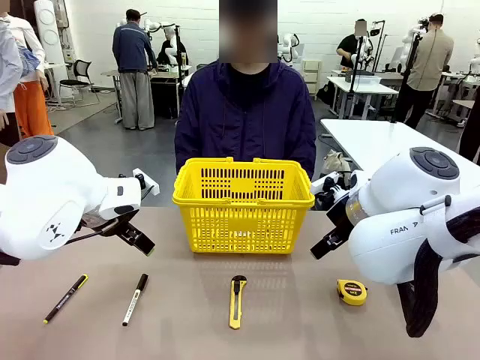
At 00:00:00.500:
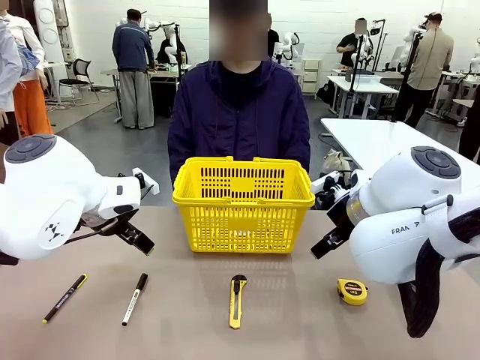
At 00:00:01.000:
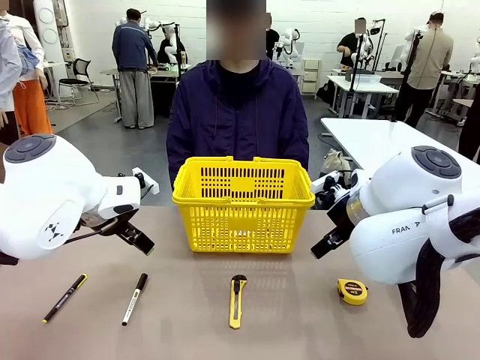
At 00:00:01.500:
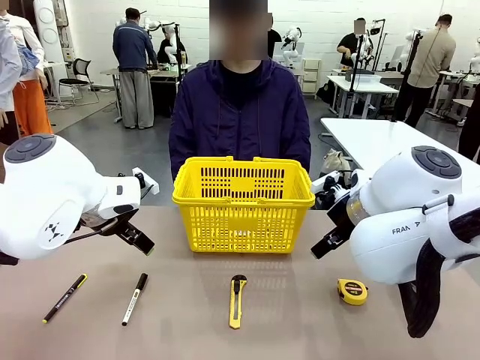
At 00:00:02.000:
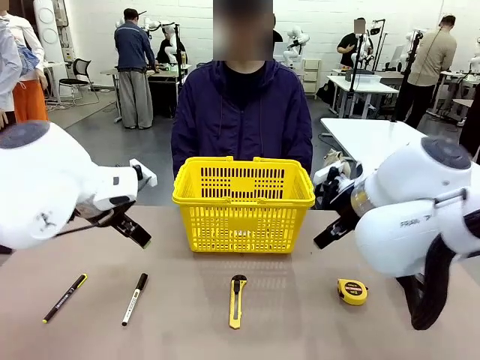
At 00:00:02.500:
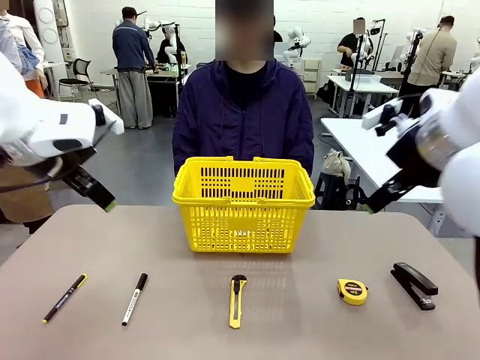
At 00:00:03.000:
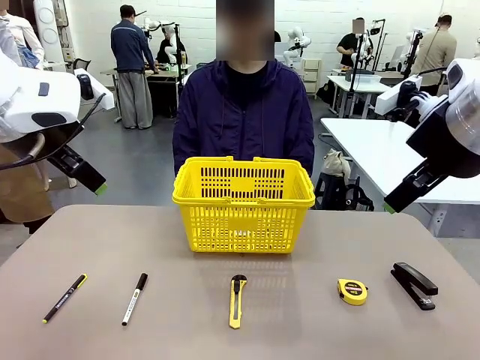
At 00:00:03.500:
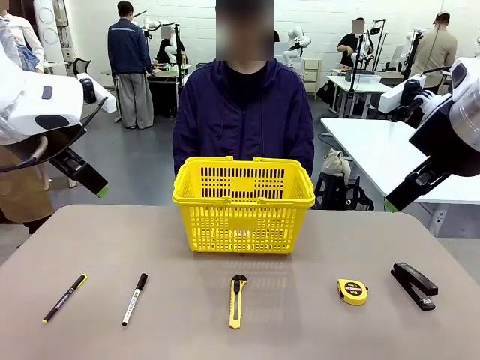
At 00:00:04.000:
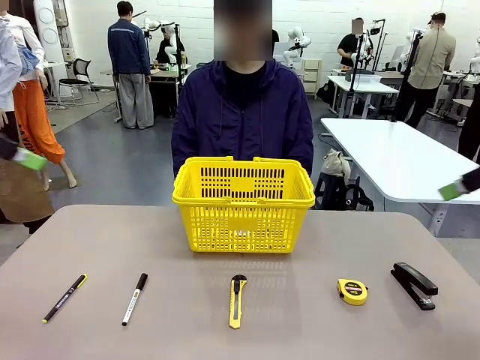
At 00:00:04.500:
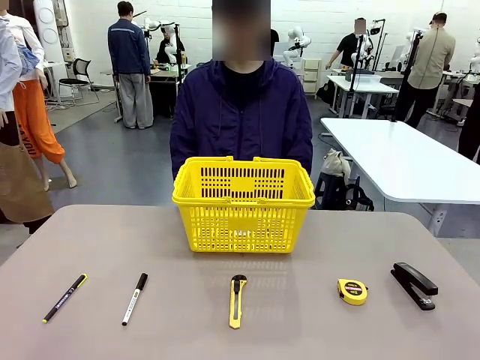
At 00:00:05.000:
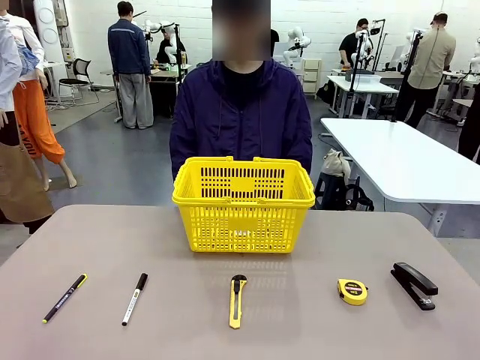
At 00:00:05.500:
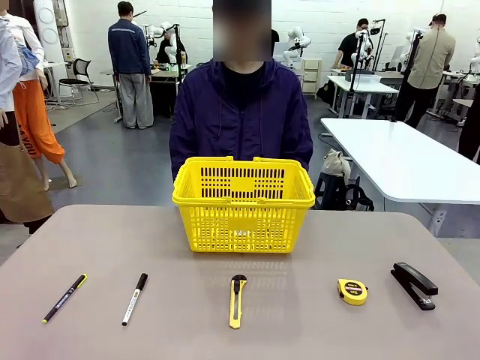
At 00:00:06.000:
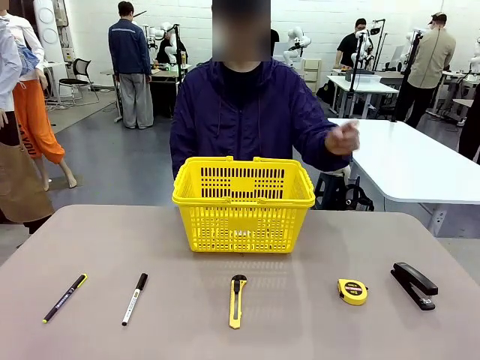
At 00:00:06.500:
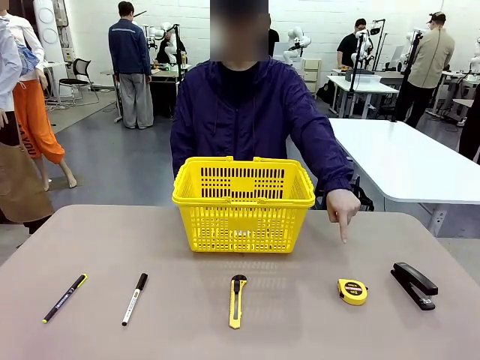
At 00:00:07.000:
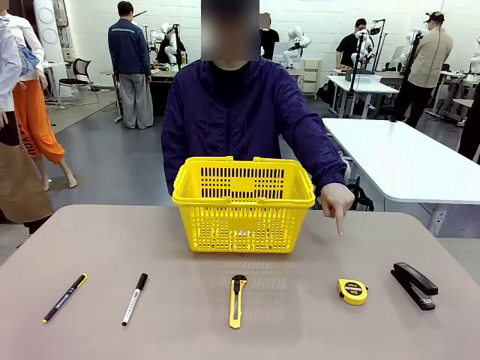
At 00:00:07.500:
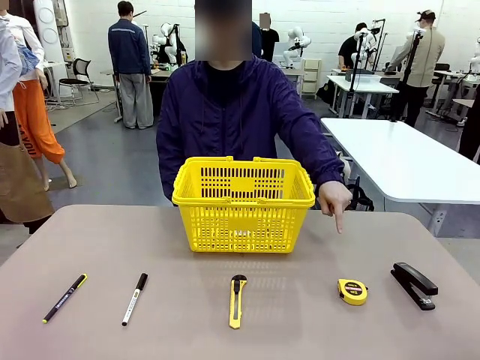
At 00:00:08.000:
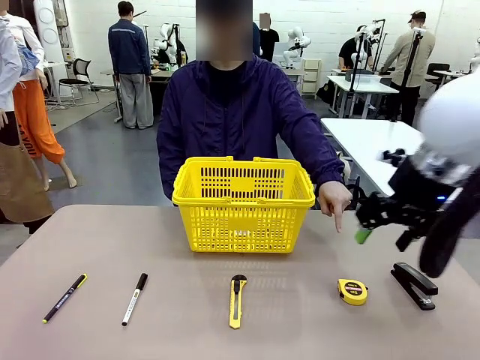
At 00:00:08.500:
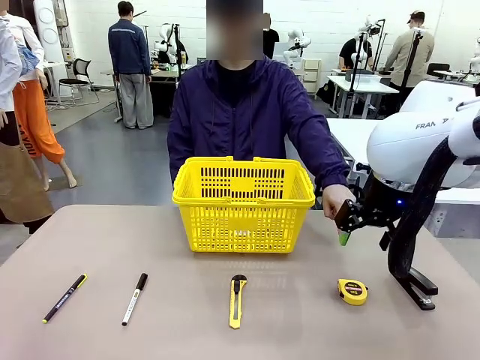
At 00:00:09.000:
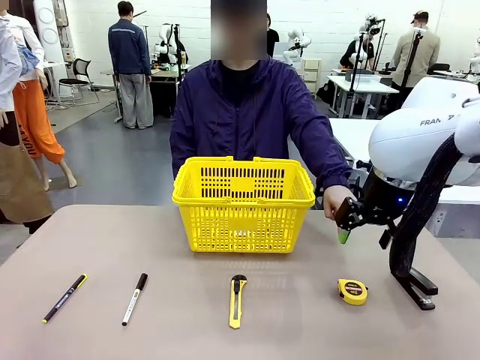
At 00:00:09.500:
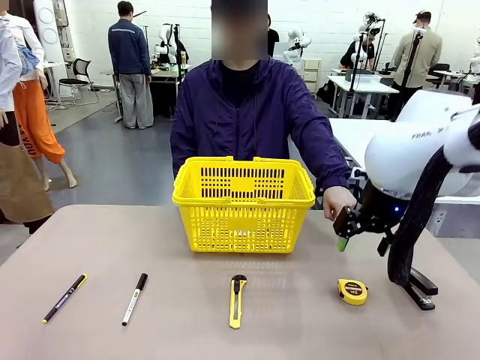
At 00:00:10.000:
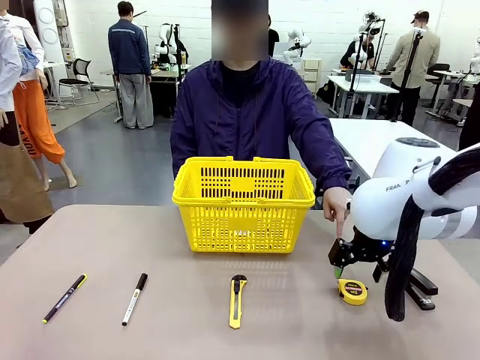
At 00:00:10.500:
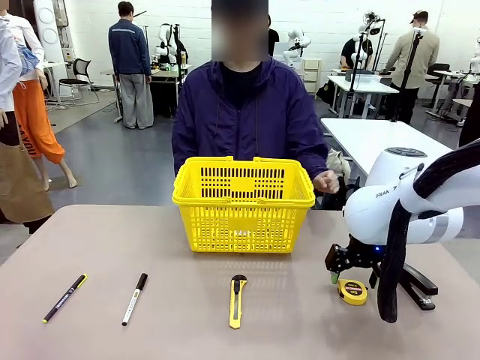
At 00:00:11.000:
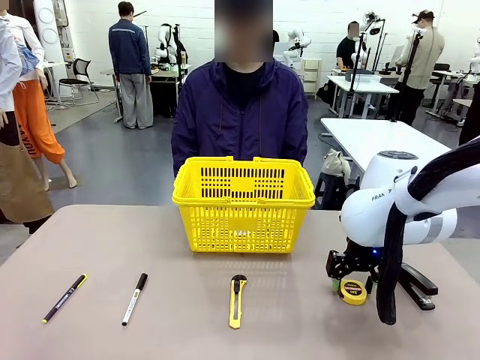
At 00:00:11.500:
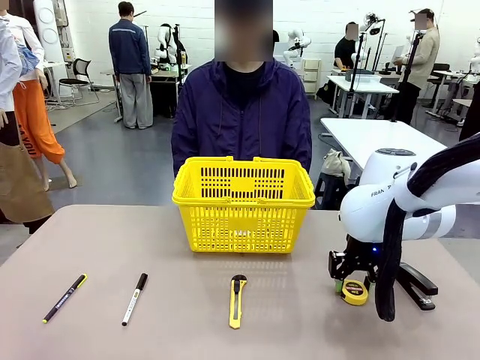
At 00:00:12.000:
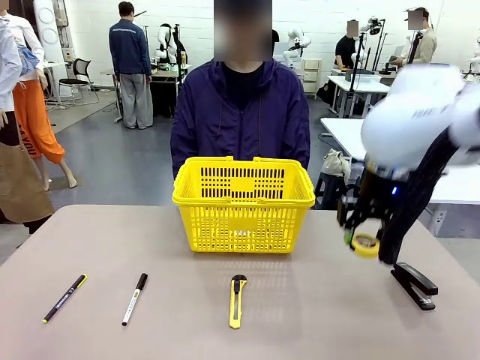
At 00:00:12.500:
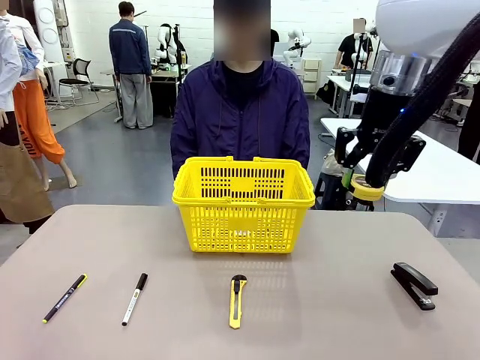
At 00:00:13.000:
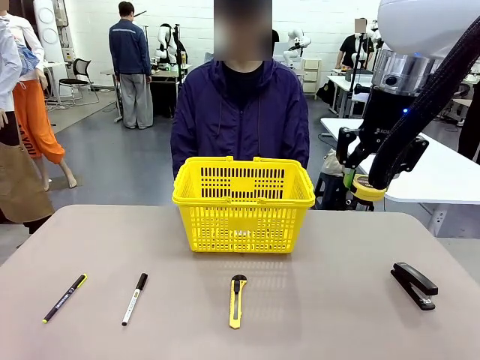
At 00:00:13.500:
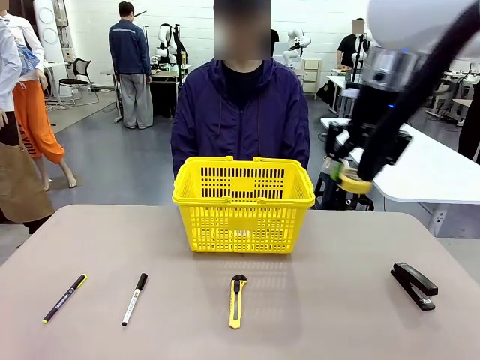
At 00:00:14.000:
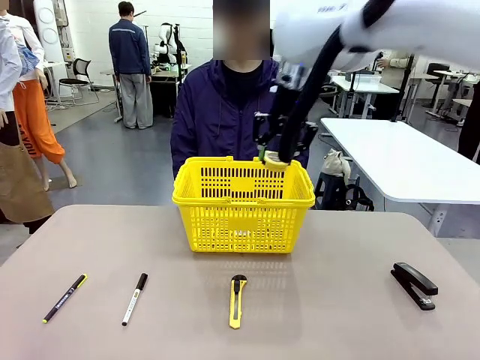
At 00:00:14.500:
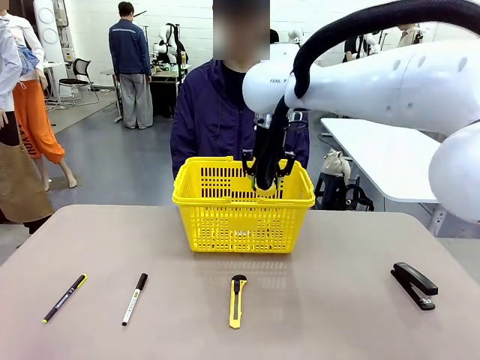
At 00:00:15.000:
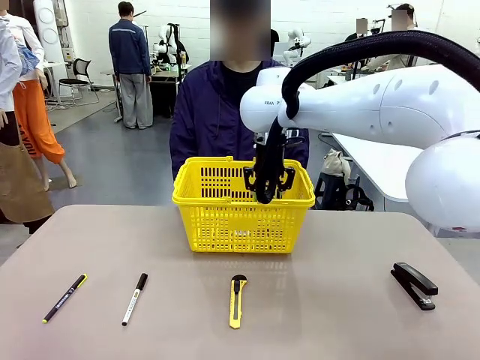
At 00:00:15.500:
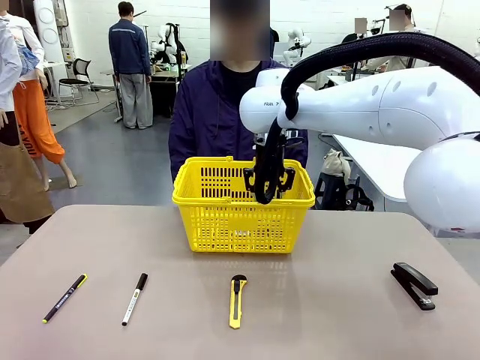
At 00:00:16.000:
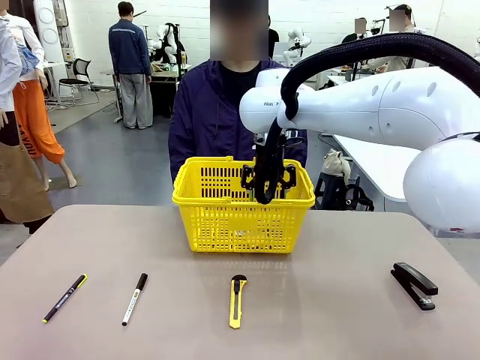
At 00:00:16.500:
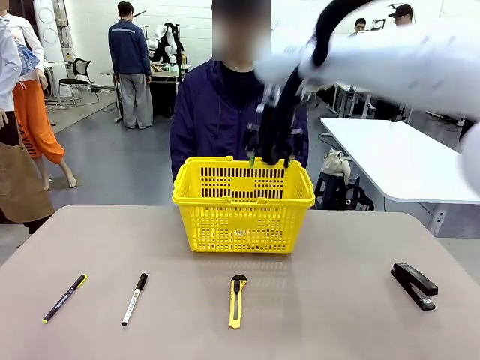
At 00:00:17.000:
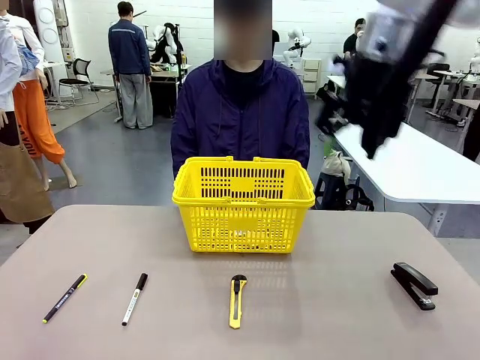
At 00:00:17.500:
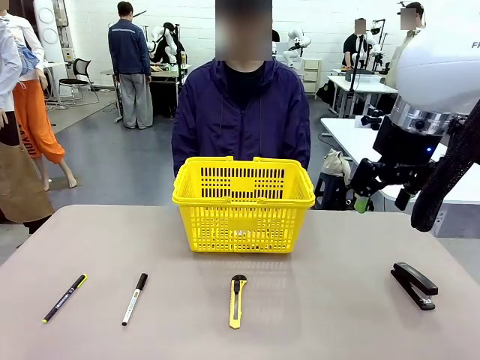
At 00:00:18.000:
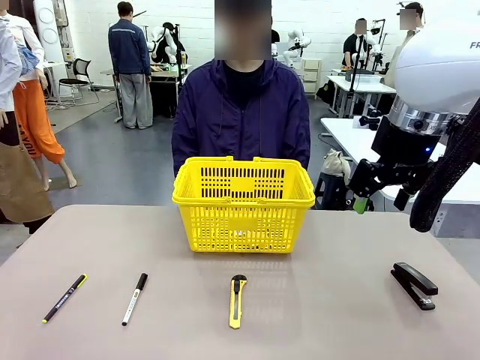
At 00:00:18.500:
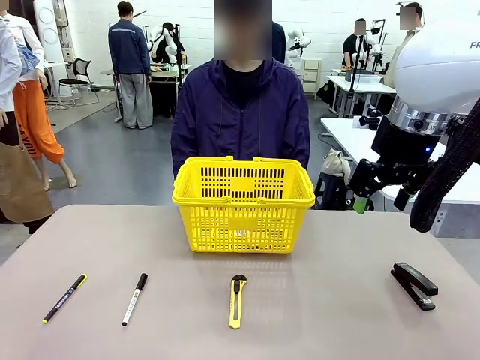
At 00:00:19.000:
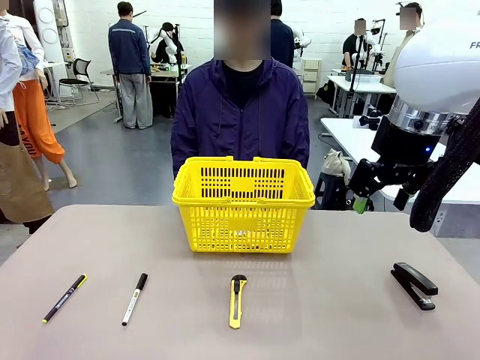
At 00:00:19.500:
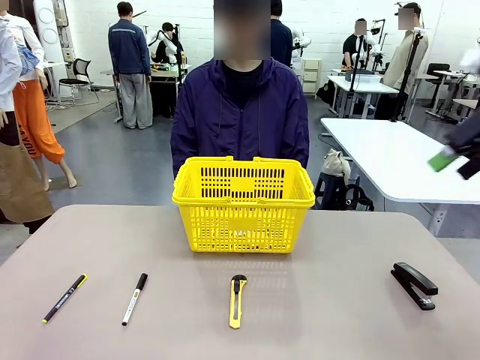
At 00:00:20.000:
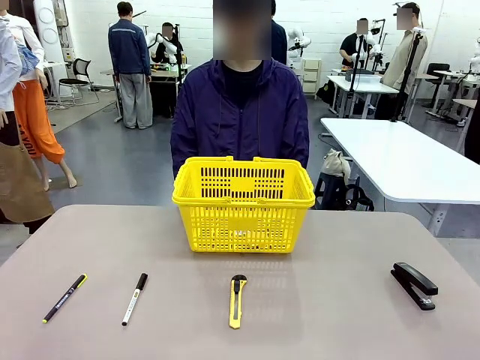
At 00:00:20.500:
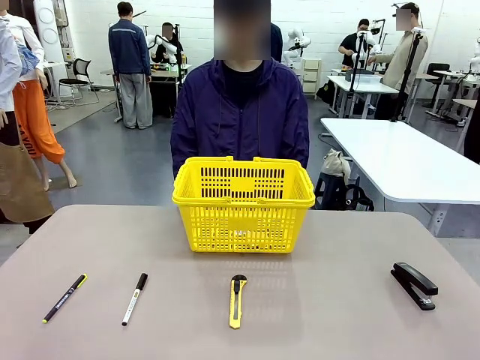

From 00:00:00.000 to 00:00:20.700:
Task: Place the items the person wants into the basket.
Robot: Pick up the item the person points to and place it in the Market Basket.
